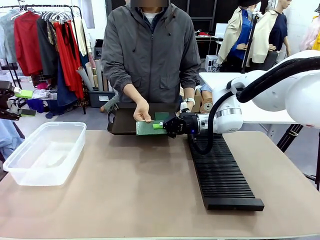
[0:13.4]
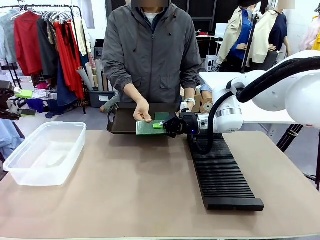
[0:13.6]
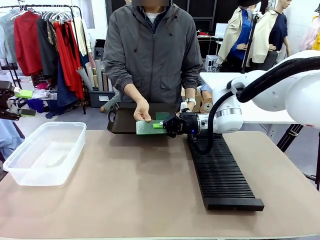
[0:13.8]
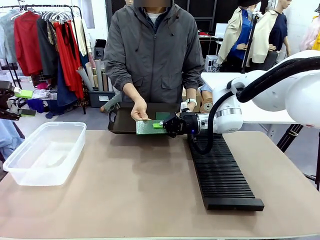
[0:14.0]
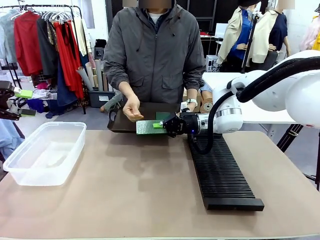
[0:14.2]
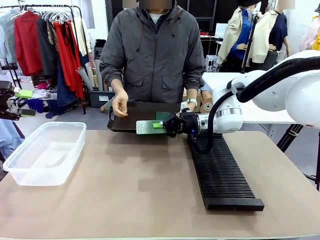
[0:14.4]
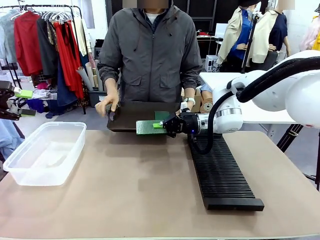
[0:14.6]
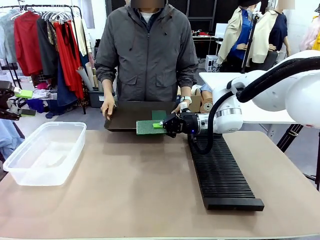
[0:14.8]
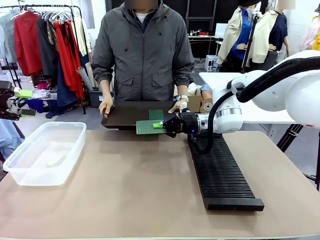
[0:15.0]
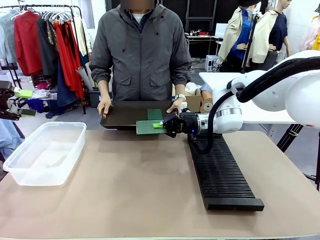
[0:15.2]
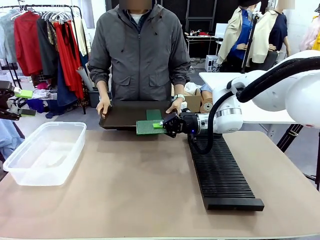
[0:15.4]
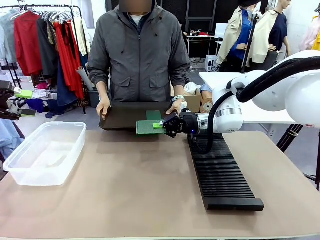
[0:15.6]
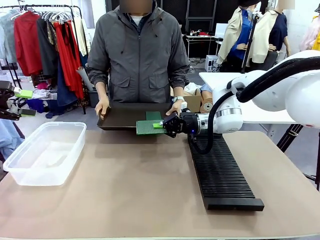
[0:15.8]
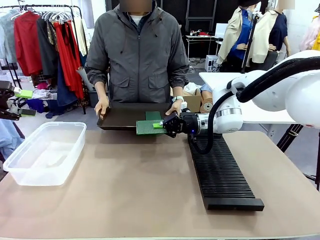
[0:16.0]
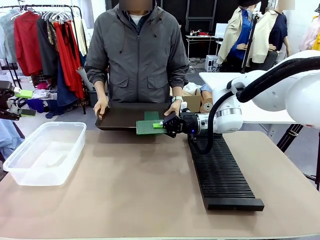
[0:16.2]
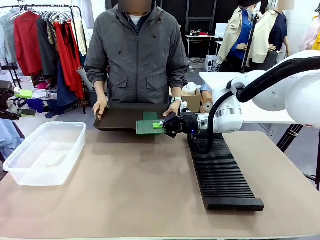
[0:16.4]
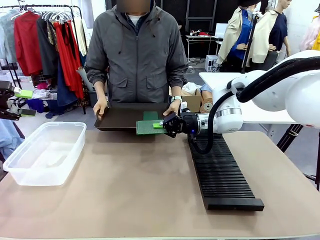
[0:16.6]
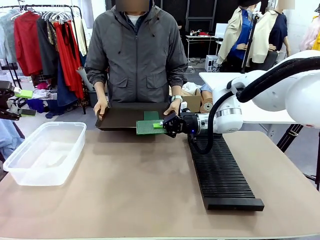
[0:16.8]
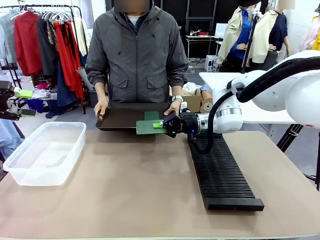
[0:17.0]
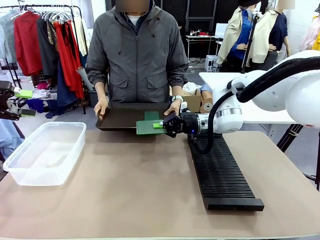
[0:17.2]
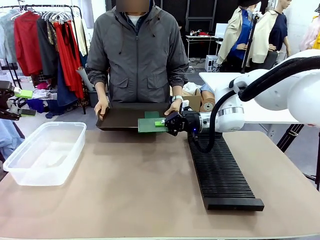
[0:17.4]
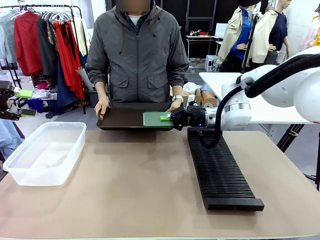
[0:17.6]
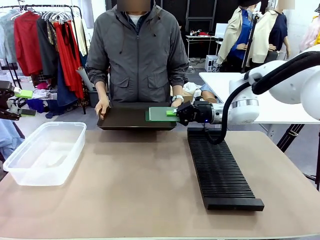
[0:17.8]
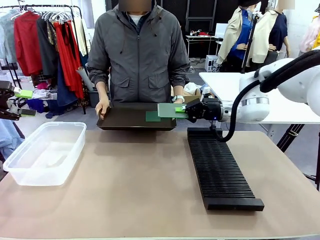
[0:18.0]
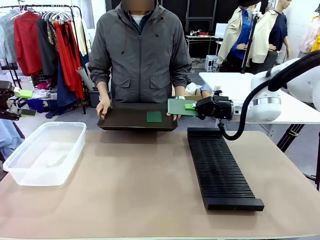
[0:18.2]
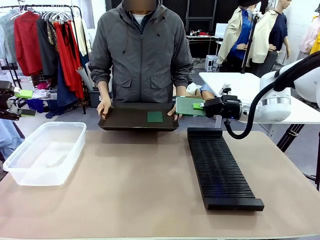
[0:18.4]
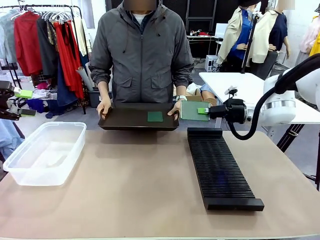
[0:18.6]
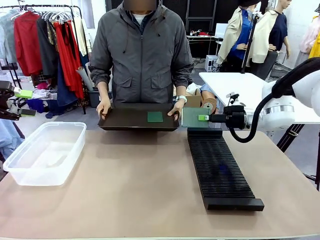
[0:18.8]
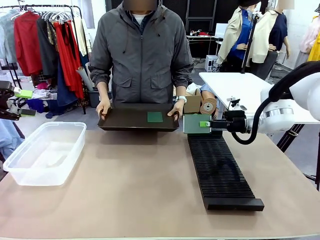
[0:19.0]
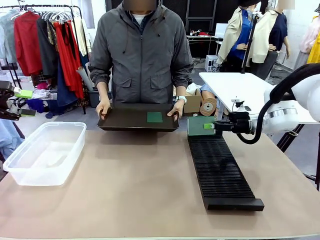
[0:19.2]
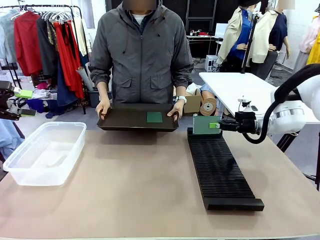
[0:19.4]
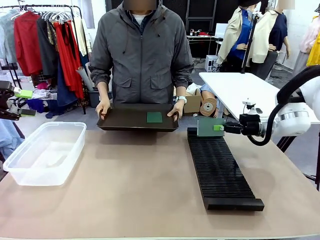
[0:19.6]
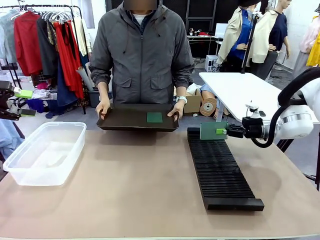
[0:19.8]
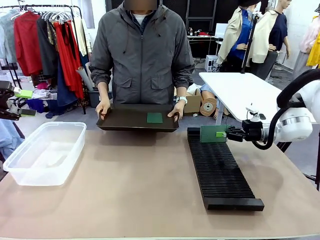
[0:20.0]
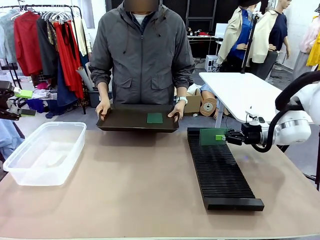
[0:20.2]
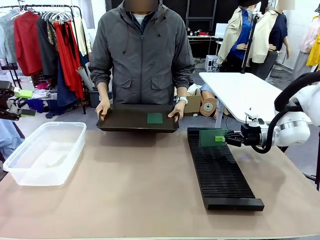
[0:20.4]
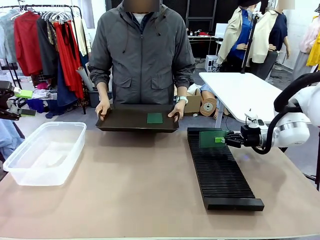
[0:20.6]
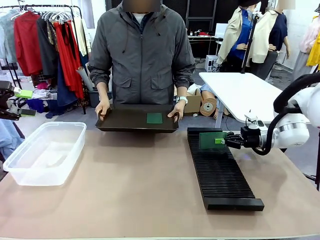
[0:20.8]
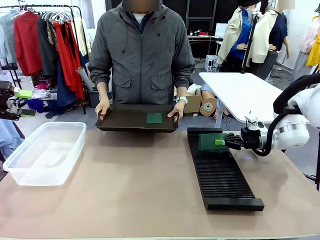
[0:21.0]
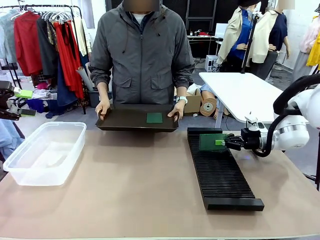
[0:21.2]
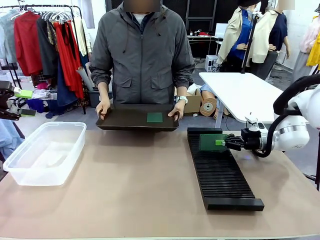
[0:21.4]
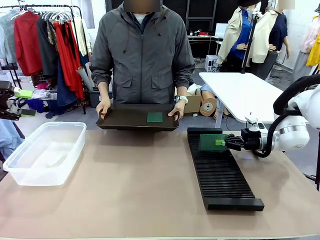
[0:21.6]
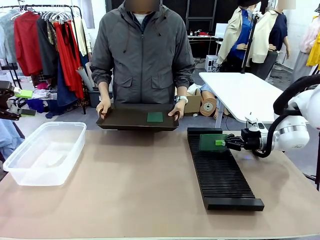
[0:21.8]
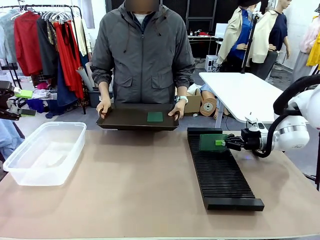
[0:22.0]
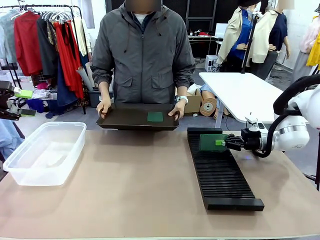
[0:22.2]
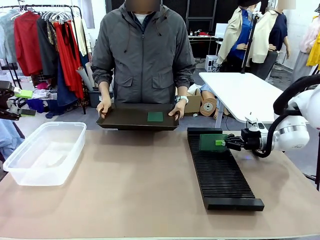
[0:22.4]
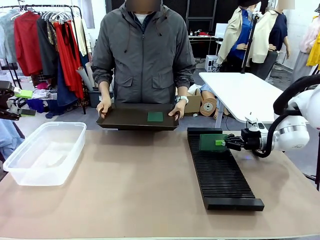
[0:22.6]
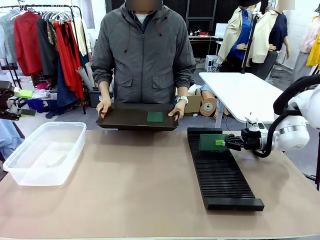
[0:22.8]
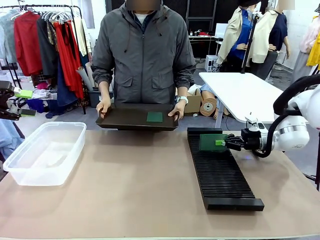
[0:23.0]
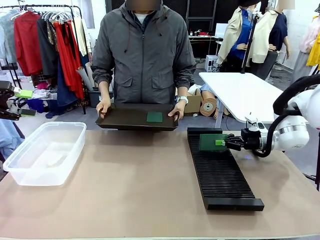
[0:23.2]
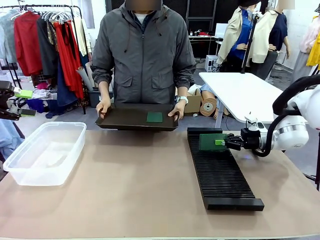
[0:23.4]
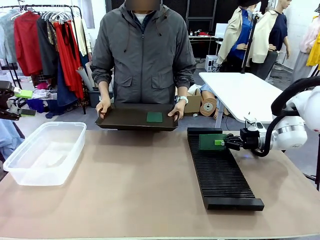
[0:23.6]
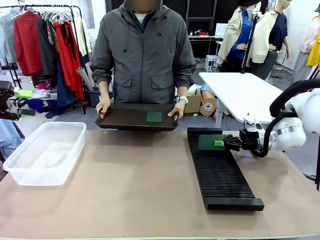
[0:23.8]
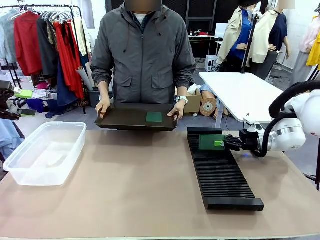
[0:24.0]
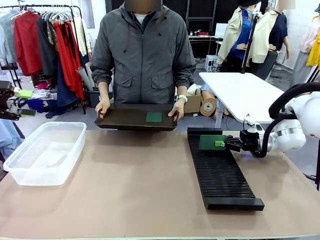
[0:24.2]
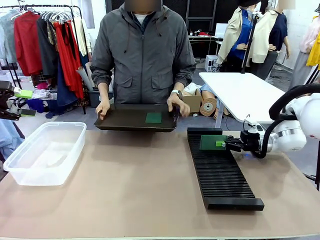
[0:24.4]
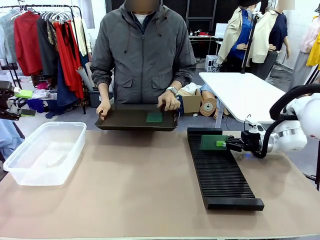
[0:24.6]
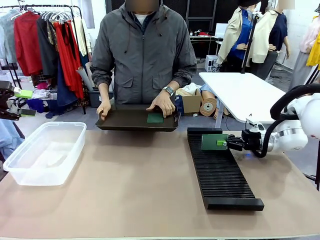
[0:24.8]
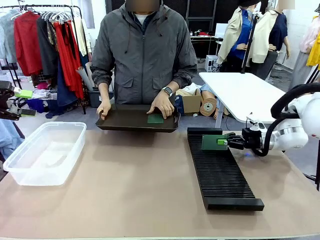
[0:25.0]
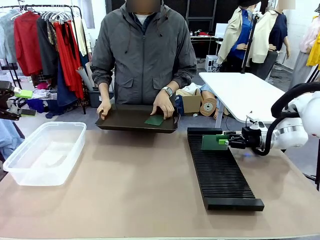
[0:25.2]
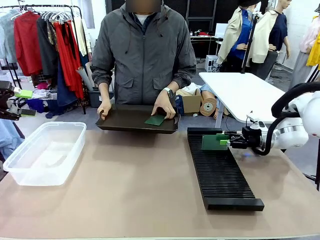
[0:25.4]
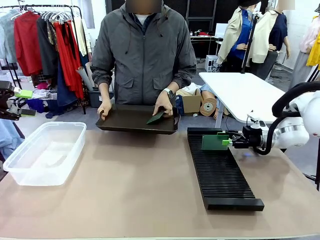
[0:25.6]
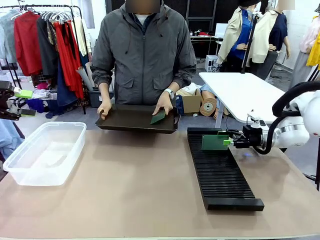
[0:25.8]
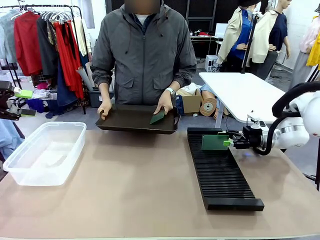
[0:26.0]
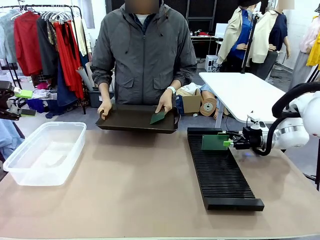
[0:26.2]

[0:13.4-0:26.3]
Task: Sort PCBs into racks and boxes based on the side picked up.
Robot: If the short side of the Blank PCB is picked up, insert it into the PCB Rack ; if the long side is picked up, place it in the Organizing box.
Person: Pick one PCB from the tray and present it to the robot.

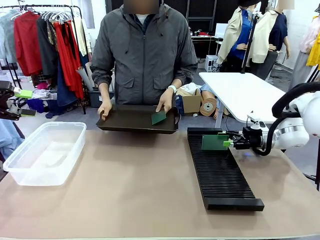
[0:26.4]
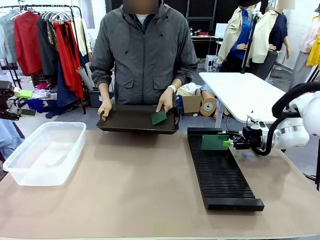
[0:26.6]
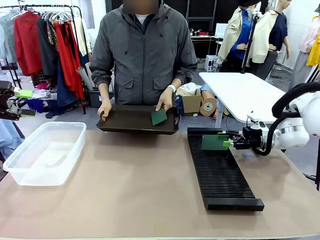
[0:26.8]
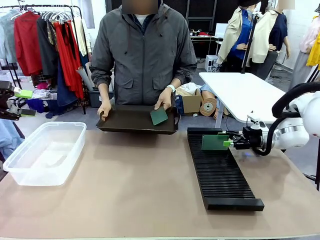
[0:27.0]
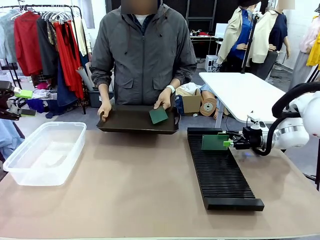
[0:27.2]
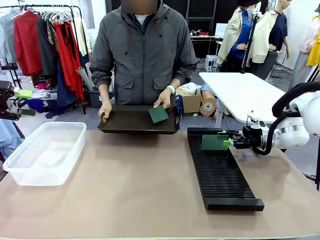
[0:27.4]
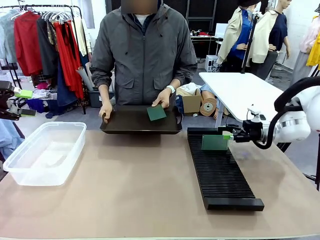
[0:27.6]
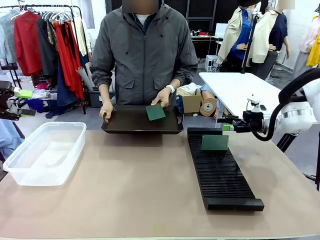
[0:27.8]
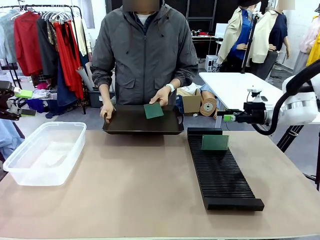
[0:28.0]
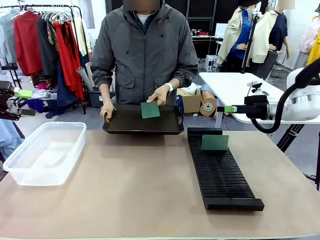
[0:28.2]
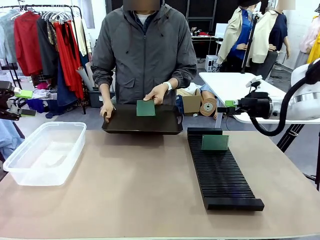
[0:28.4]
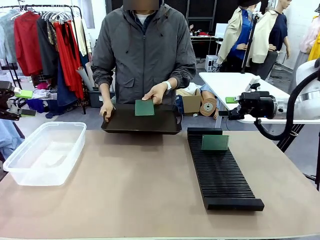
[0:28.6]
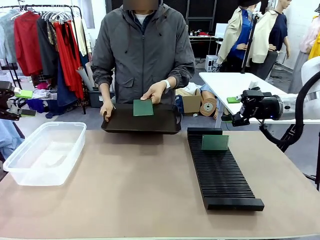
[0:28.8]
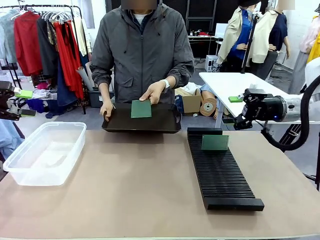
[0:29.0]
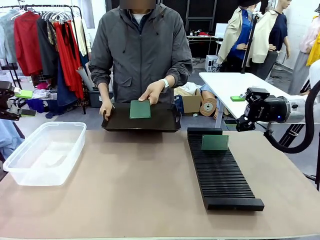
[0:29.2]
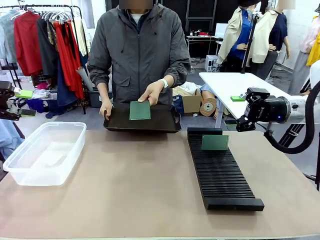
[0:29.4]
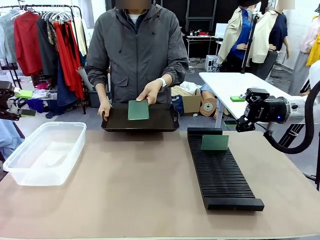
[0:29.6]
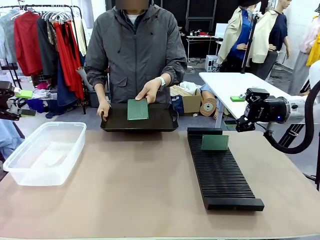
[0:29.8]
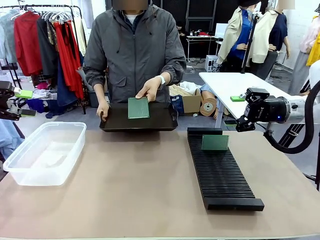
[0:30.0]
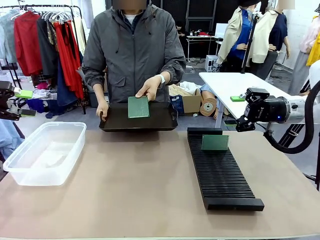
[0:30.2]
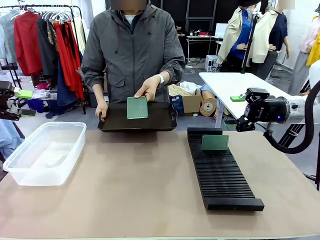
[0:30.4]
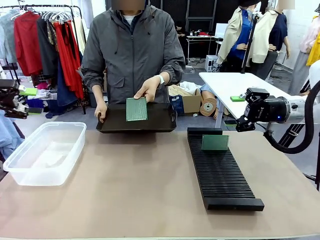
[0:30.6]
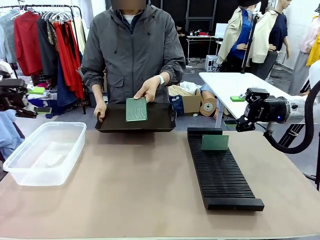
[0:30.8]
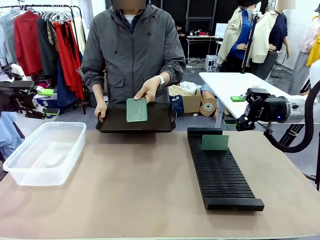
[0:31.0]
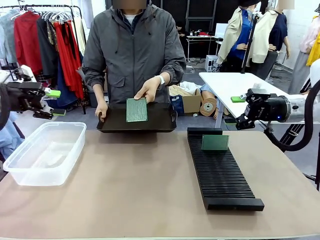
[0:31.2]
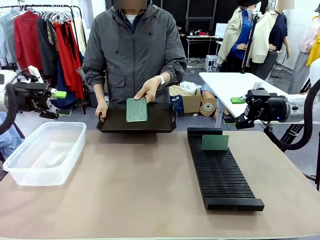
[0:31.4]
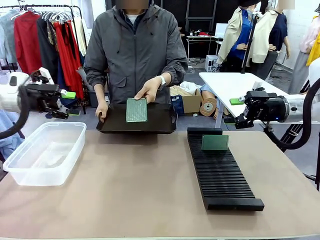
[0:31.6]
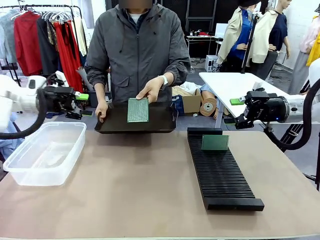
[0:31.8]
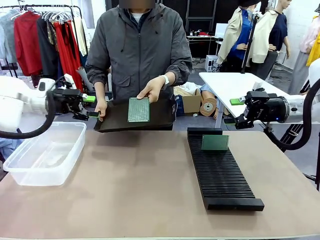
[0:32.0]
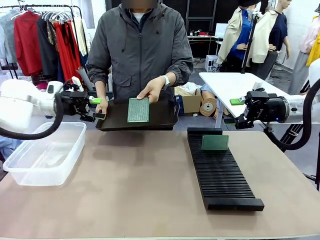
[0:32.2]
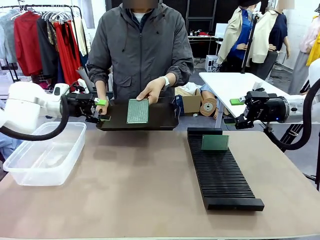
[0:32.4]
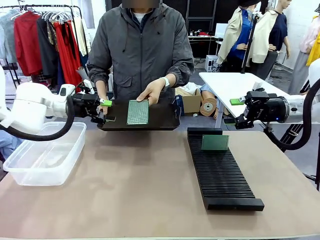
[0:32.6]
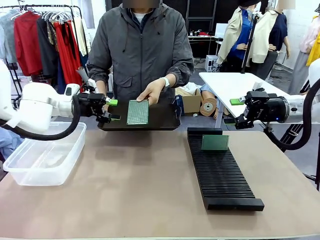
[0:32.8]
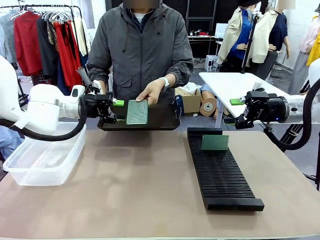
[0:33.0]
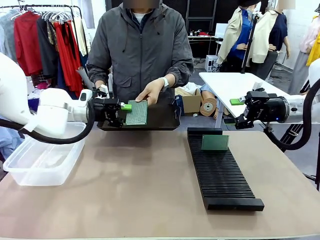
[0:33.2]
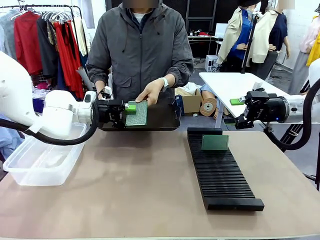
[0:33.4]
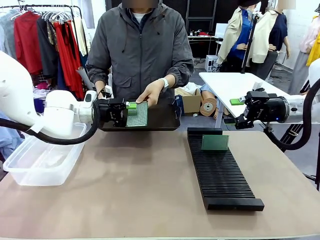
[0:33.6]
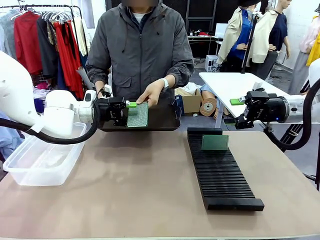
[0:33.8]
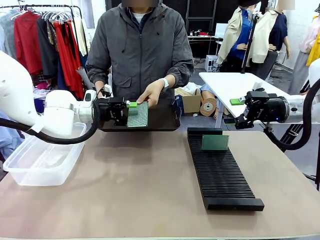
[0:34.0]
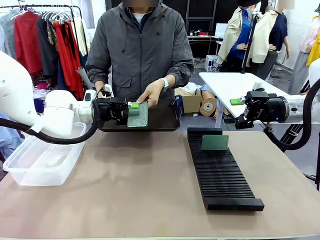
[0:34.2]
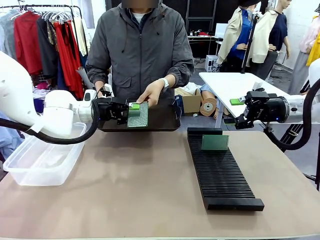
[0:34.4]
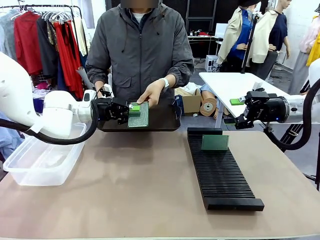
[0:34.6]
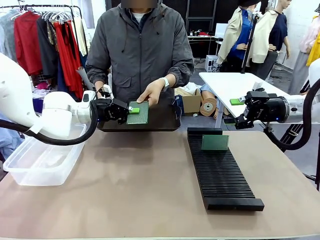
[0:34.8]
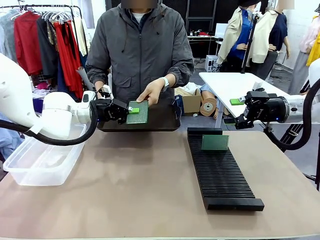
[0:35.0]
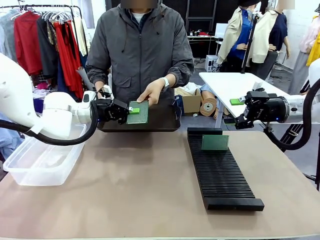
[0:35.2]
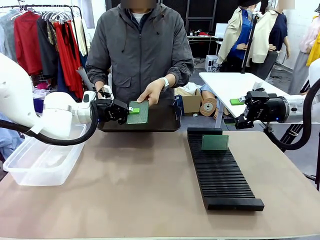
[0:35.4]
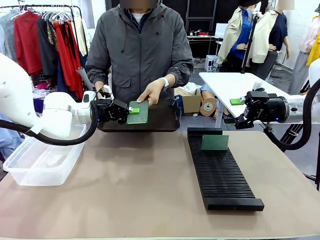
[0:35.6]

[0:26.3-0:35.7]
Robot: Pick up the Blank PCB handed by the Human.
